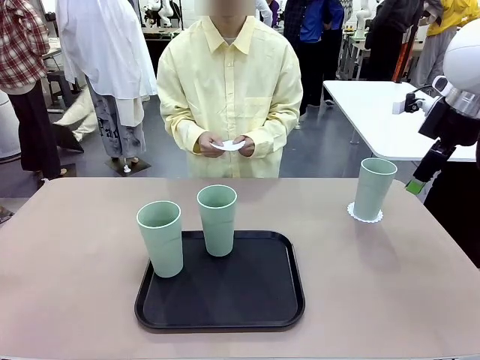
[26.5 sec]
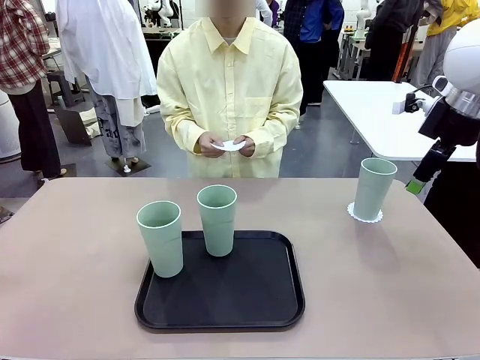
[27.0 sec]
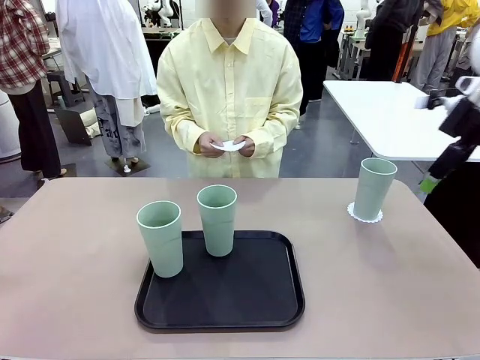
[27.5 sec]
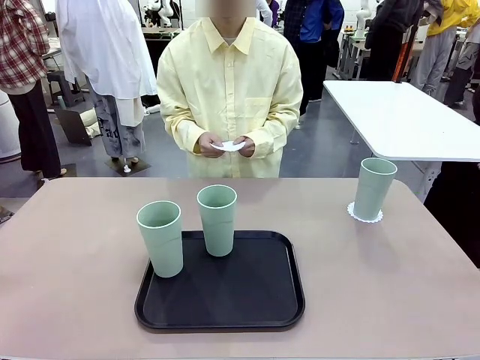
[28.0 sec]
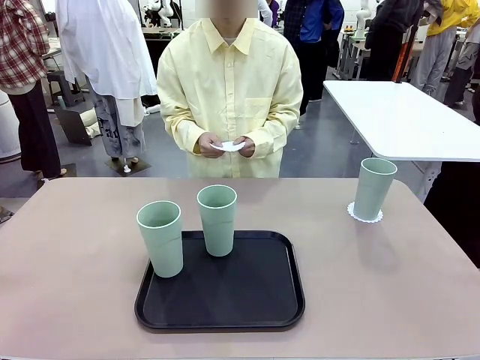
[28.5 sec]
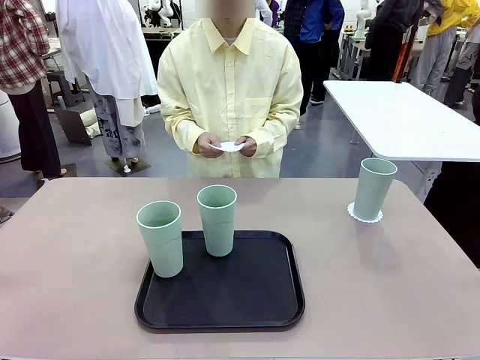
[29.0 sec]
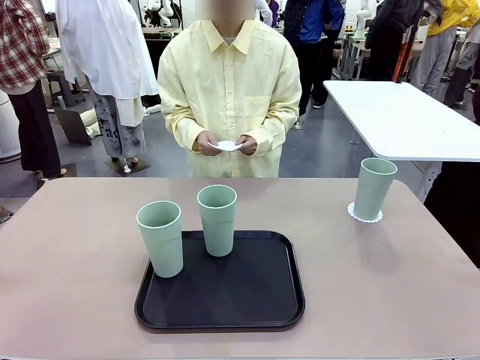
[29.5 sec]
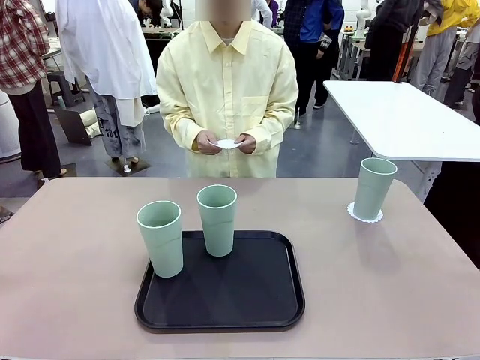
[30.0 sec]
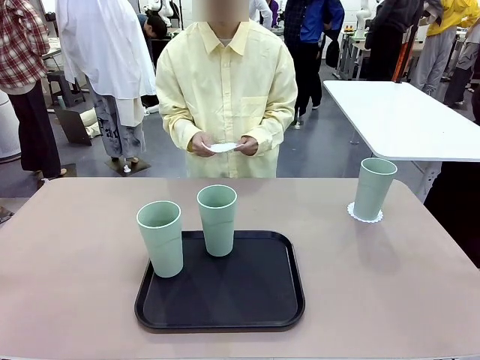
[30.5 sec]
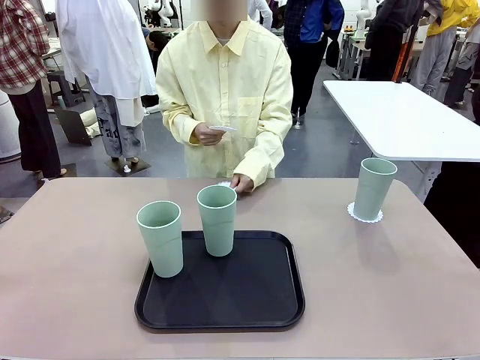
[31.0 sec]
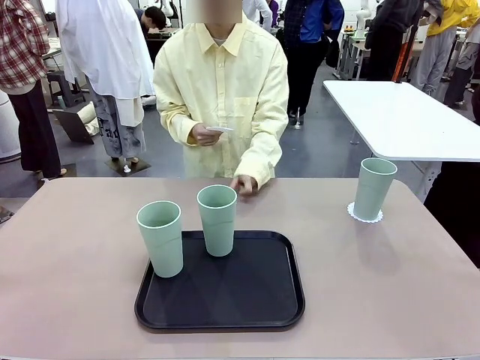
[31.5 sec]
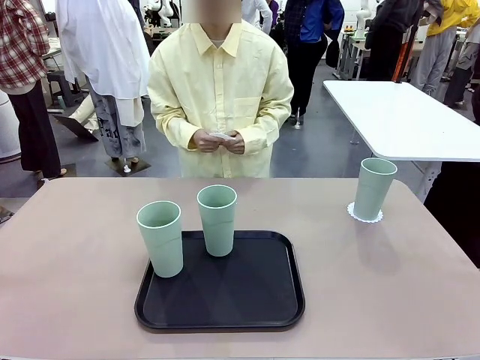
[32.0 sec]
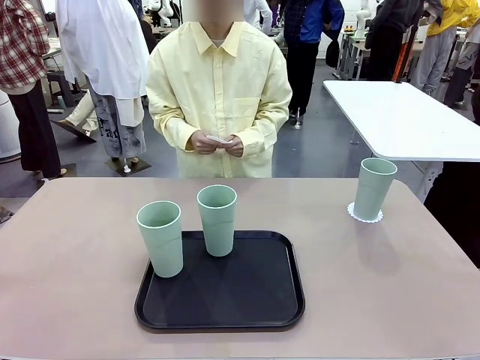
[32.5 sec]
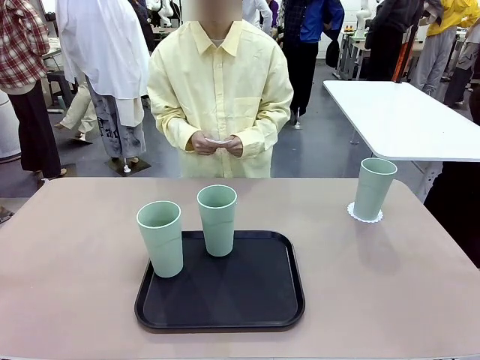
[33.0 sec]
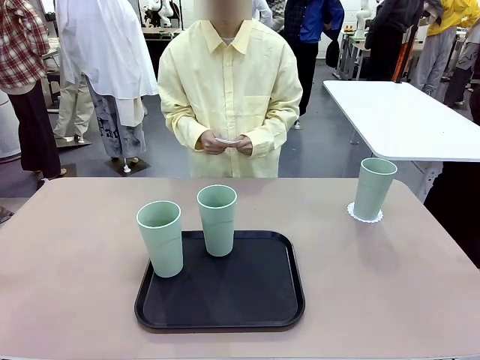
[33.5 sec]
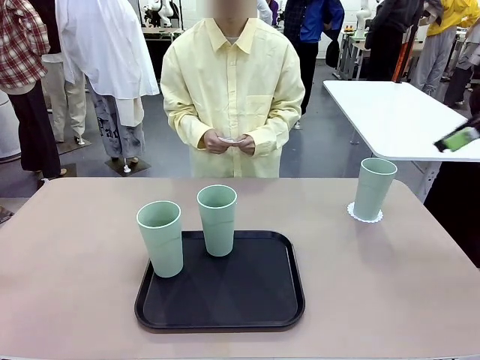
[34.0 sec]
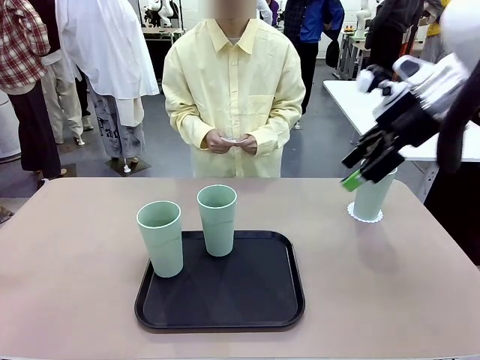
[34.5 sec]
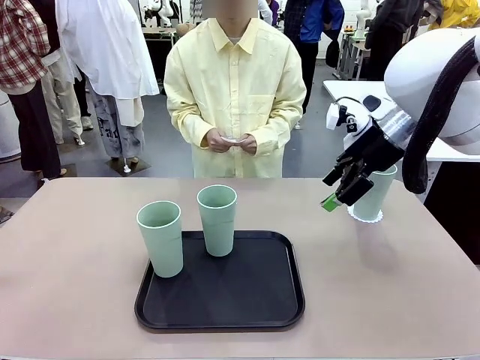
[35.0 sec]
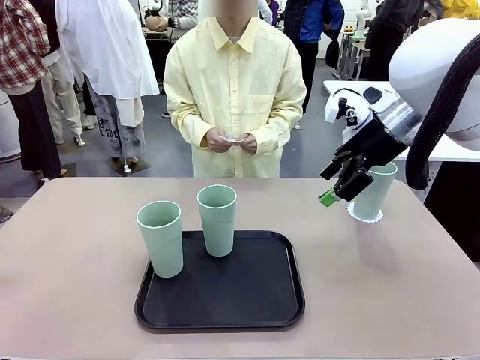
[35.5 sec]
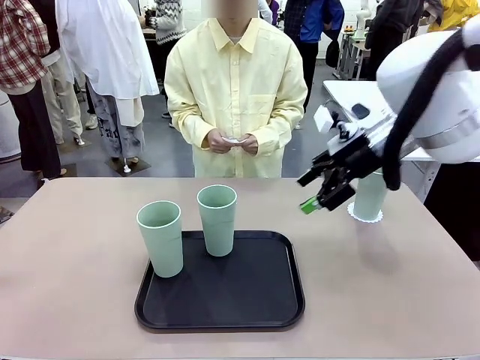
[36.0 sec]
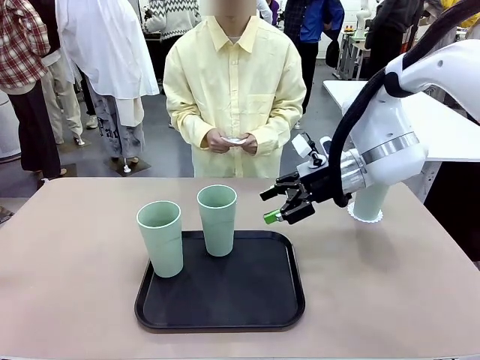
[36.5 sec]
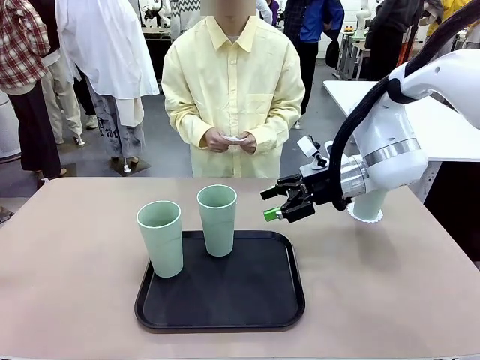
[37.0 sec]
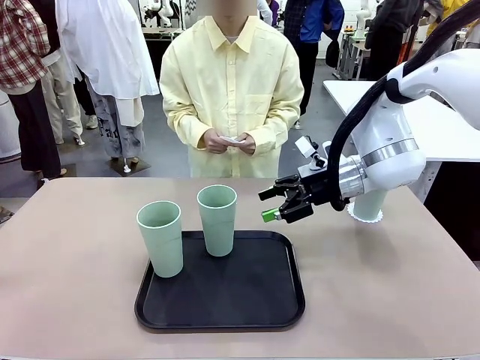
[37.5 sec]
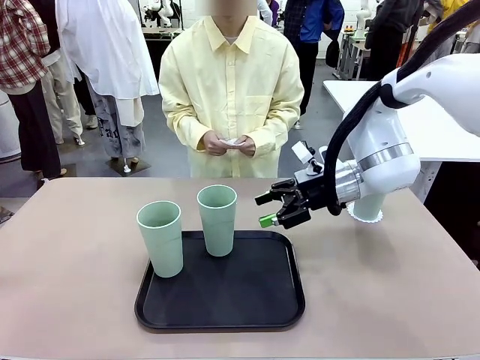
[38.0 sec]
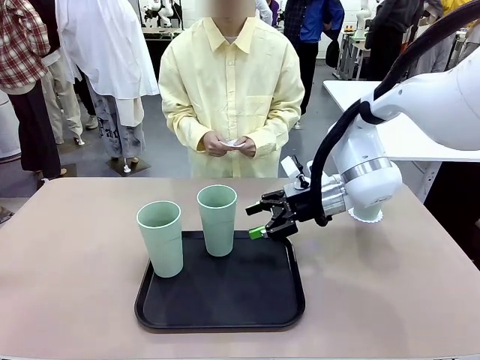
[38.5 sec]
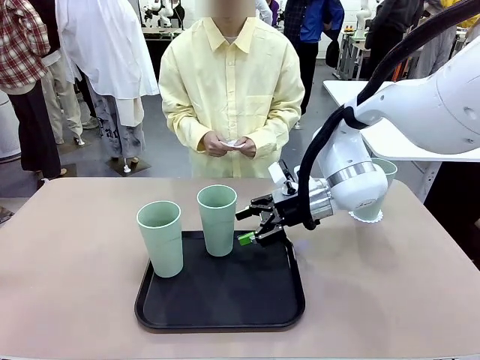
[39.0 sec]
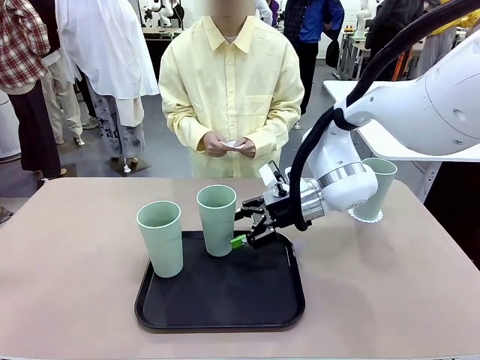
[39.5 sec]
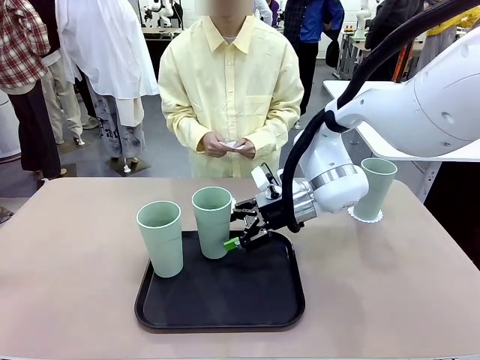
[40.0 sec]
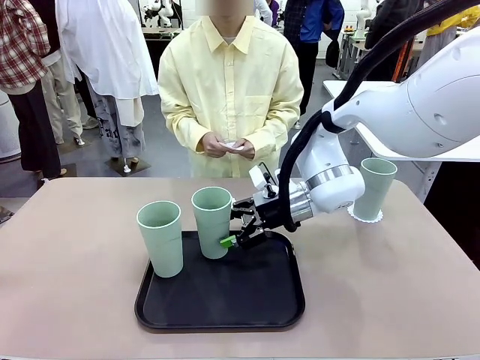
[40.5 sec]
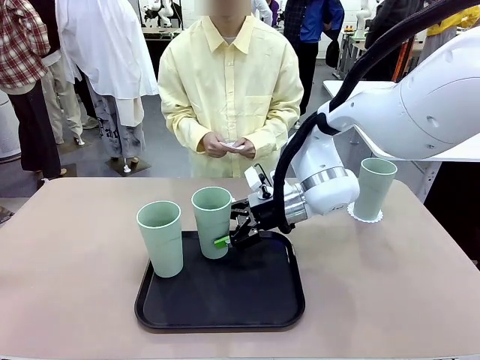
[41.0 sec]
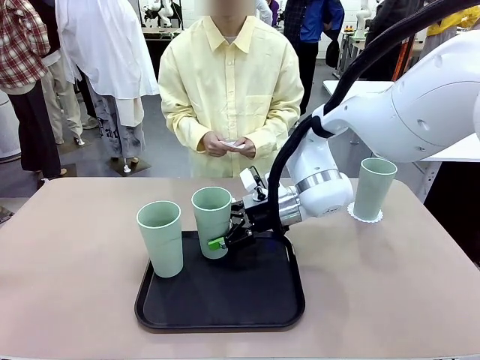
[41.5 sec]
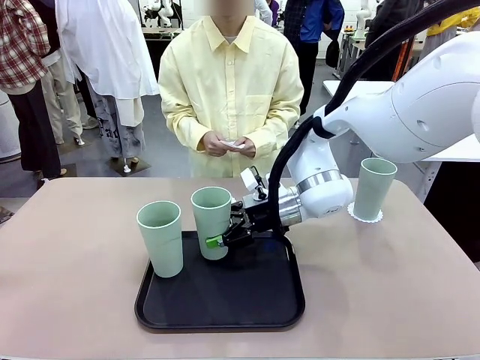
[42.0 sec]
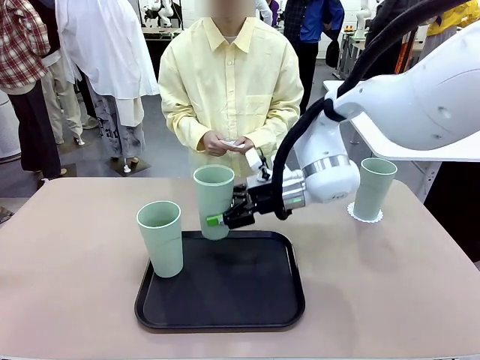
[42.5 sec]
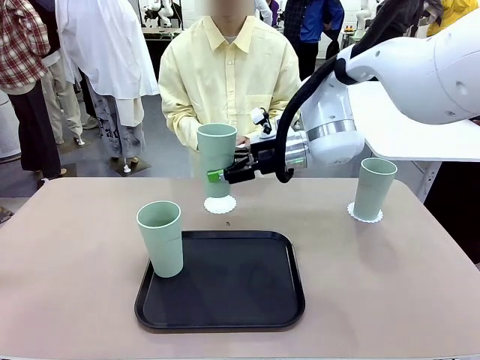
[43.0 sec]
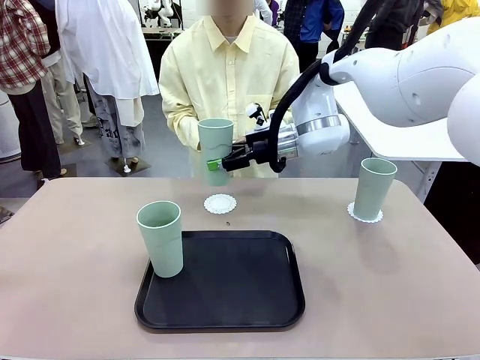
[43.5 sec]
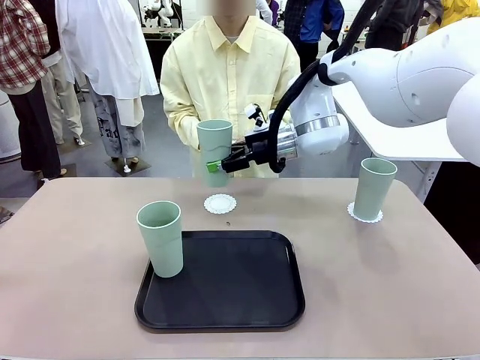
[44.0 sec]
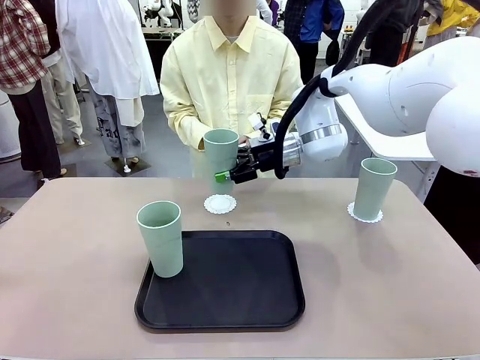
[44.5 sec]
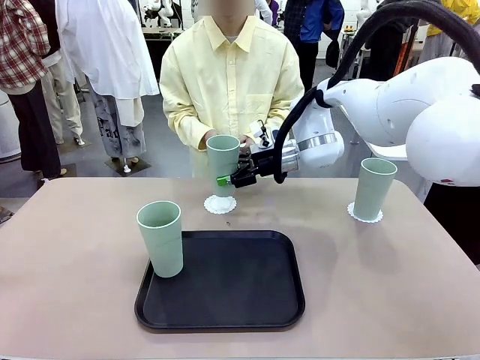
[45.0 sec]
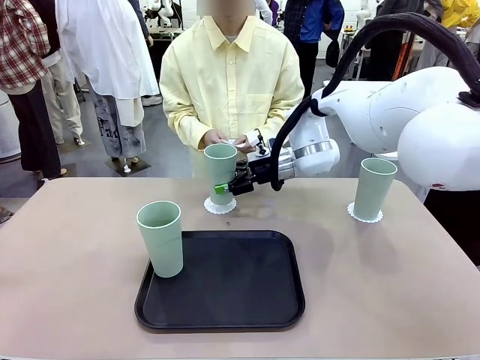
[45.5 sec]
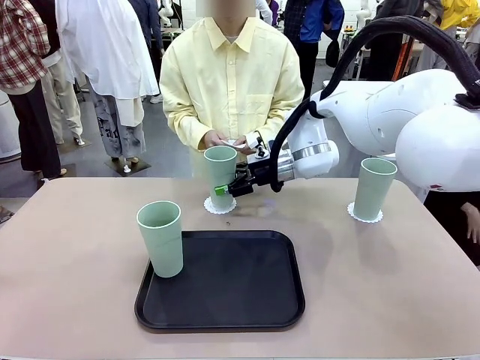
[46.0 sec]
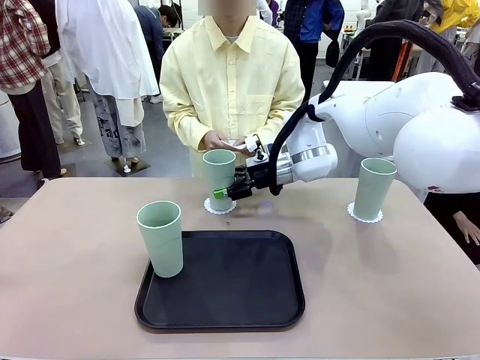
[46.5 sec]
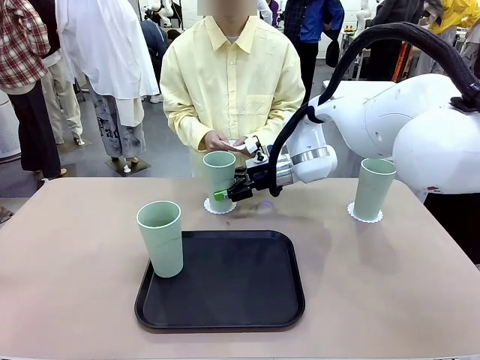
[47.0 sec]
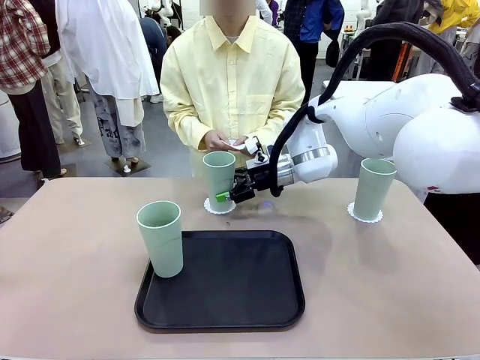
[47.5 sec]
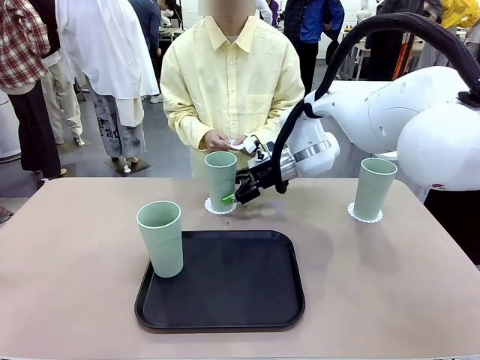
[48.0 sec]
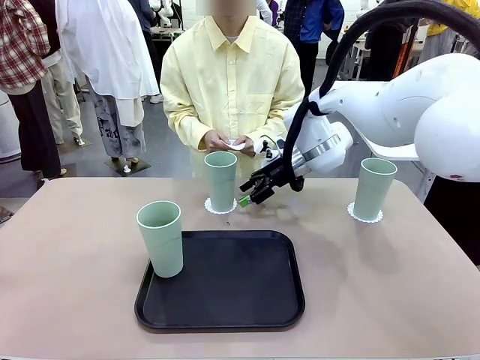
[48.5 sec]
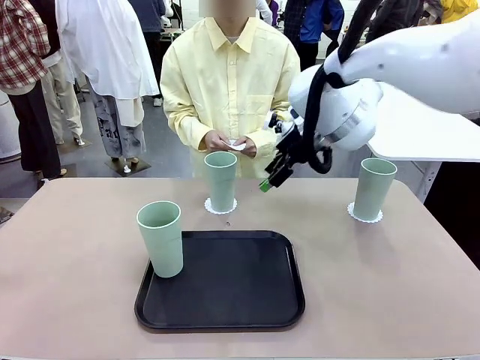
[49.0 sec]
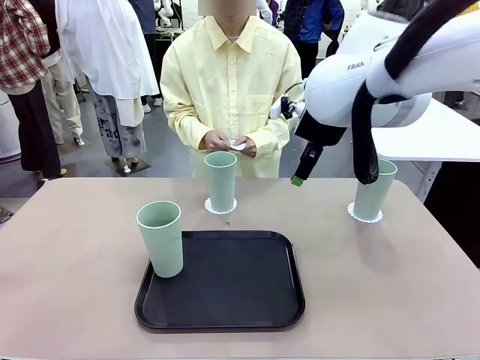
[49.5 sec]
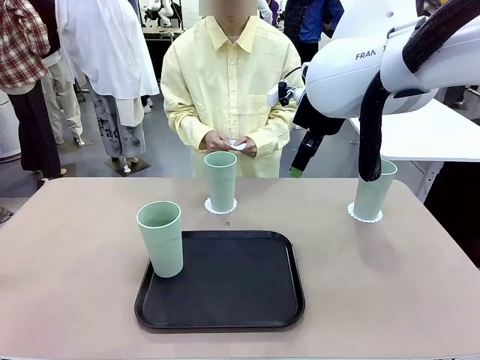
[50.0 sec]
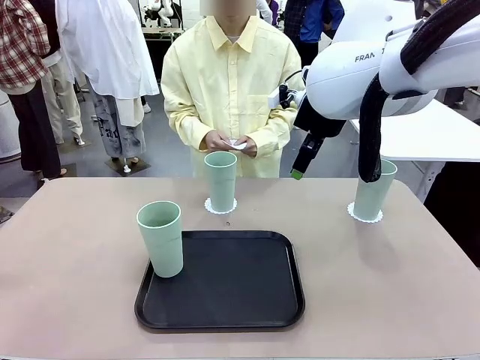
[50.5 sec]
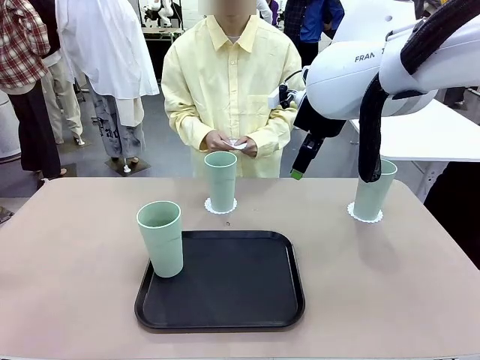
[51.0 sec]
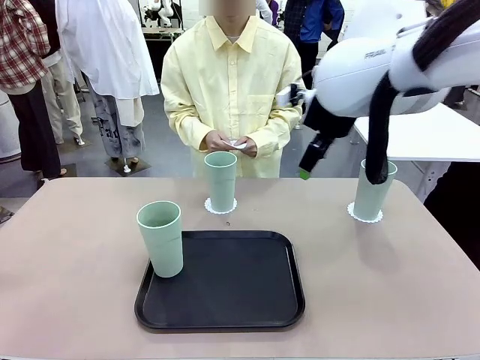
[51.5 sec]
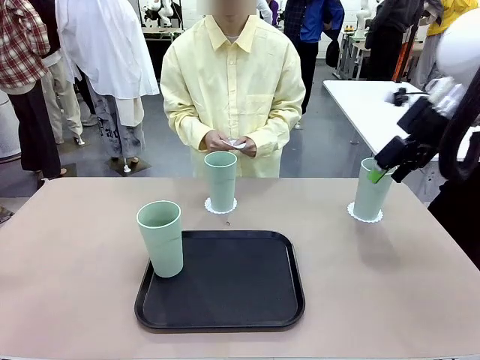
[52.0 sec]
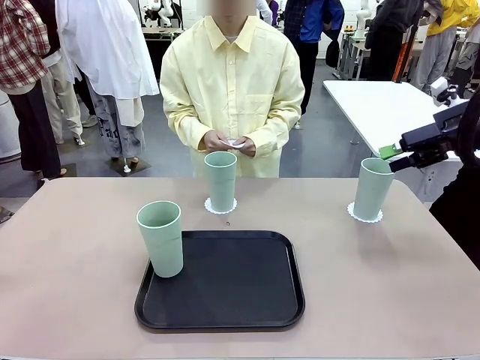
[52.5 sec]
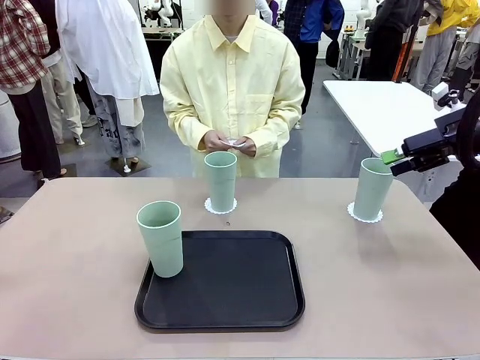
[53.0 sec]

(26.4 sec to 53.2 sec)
Task: Place coasters on the table and set cups on them.
Robot: Take one Reusable plastic cup from the Flat Tray and place it on a coaster set by the human.
